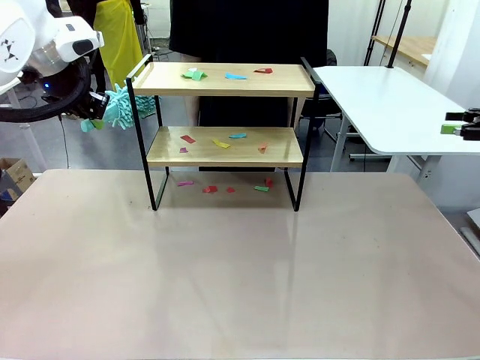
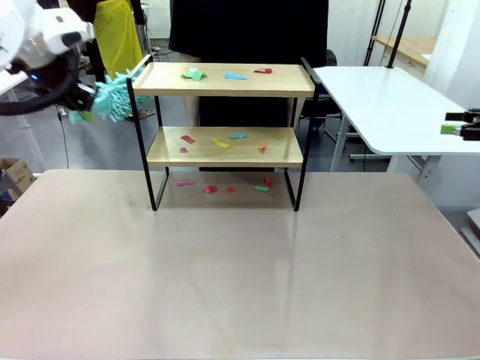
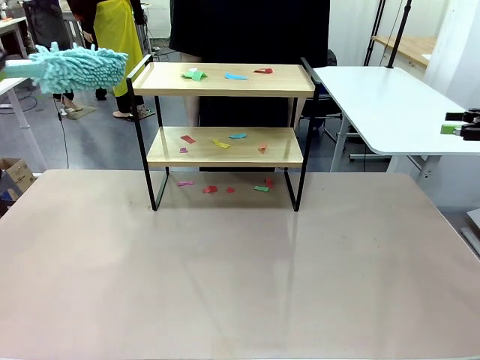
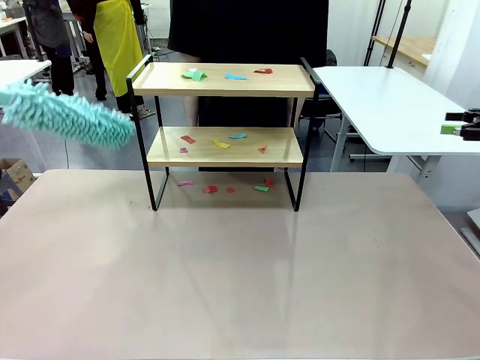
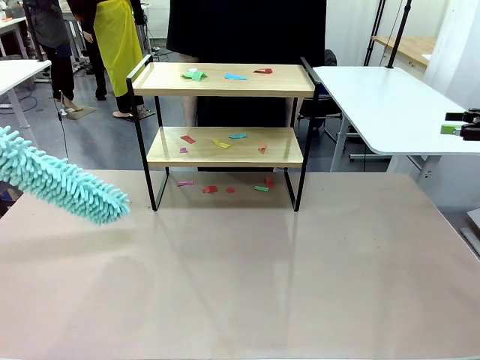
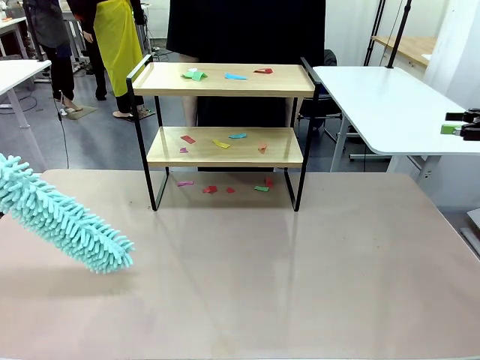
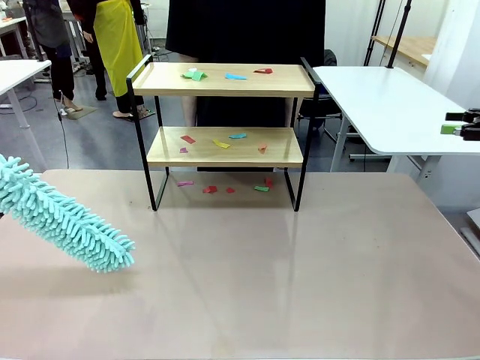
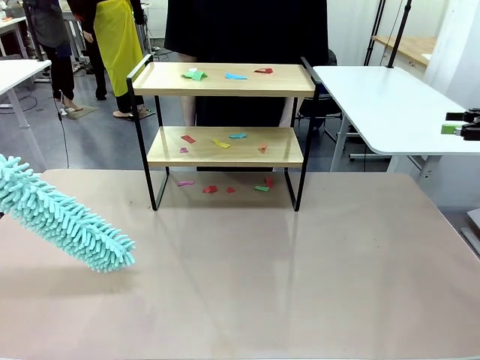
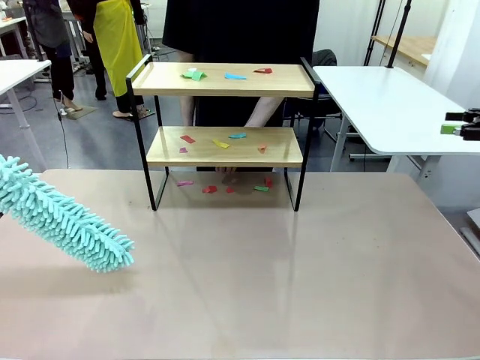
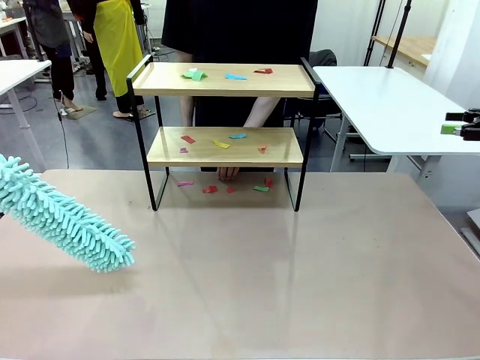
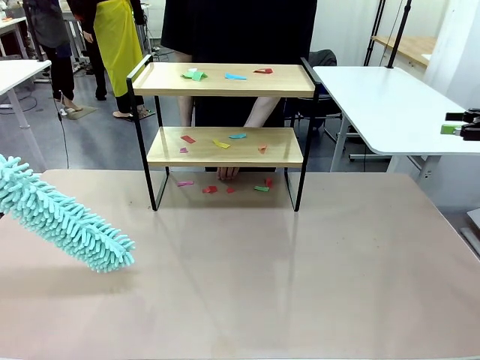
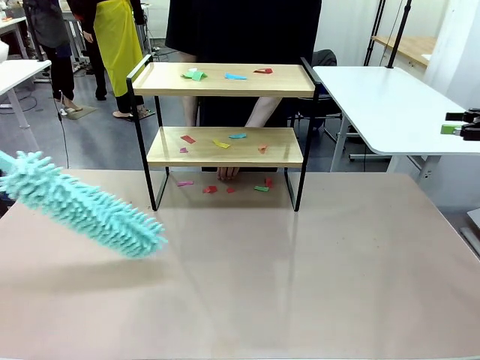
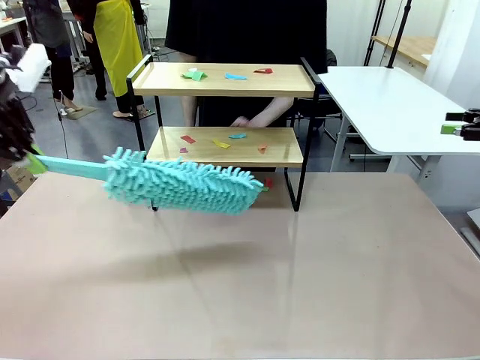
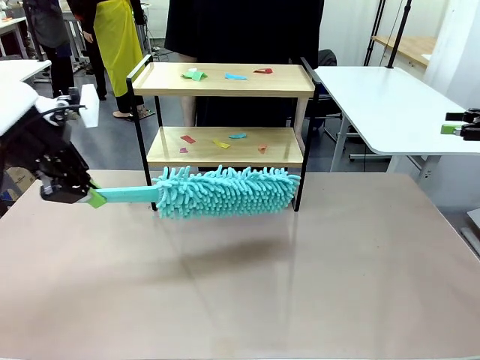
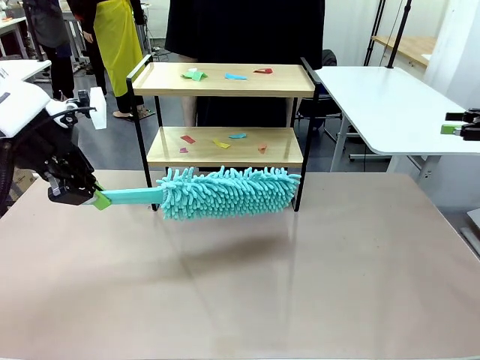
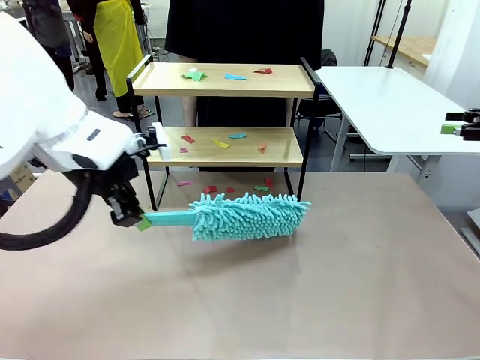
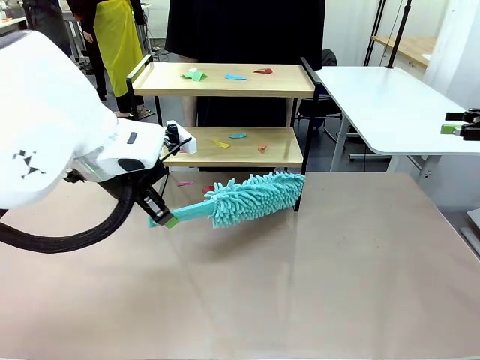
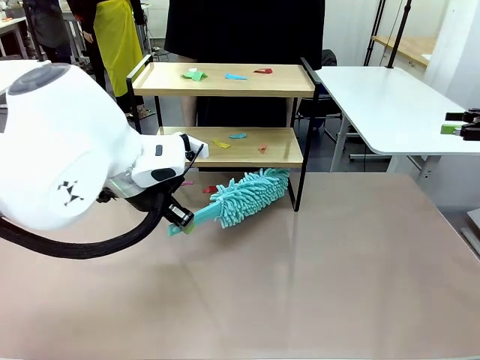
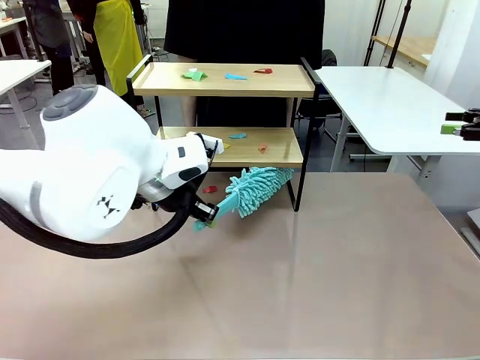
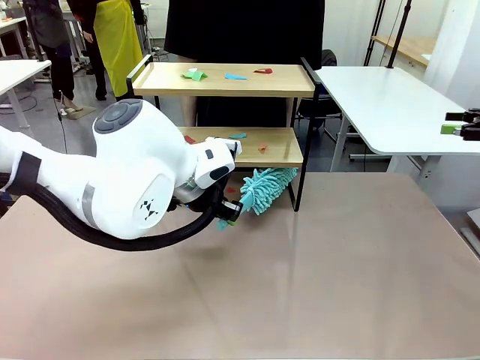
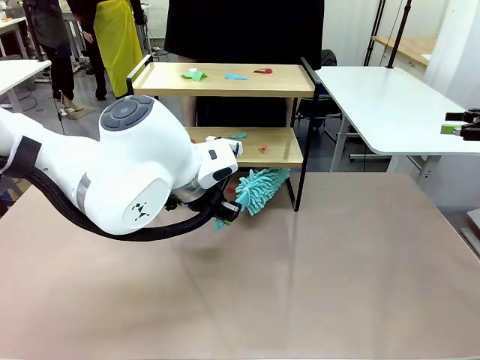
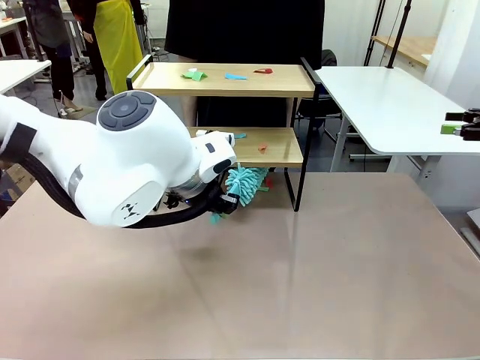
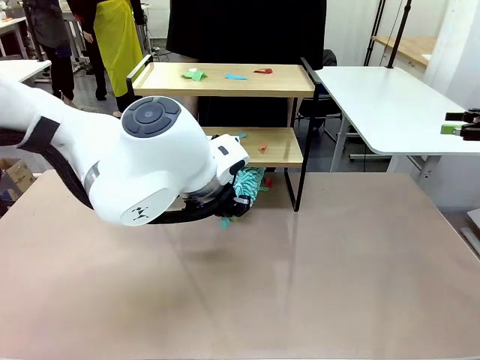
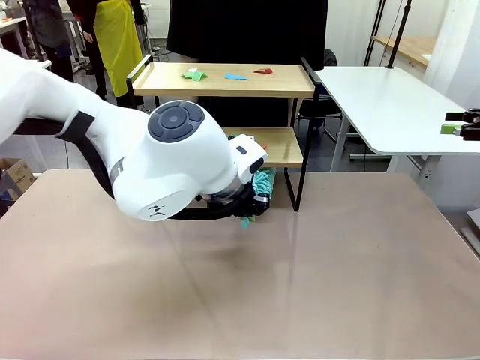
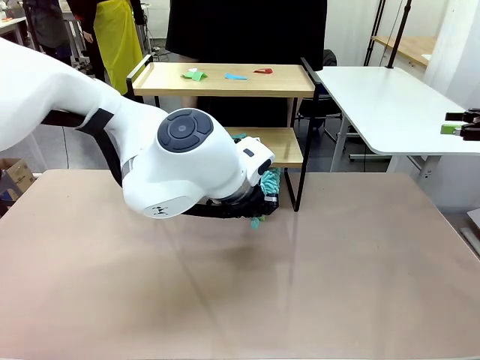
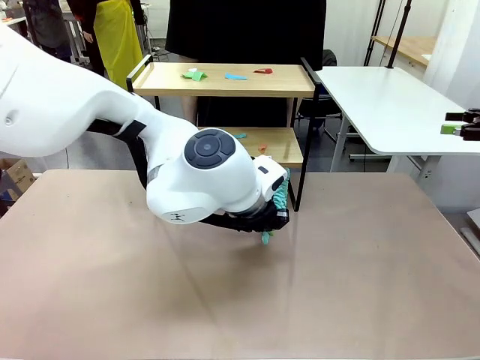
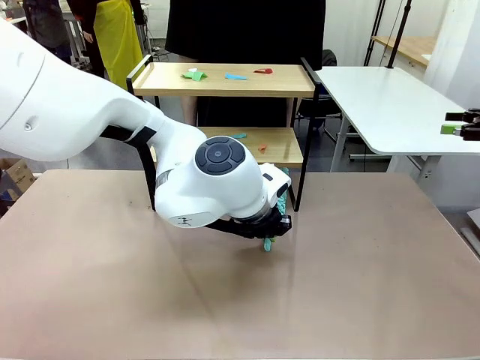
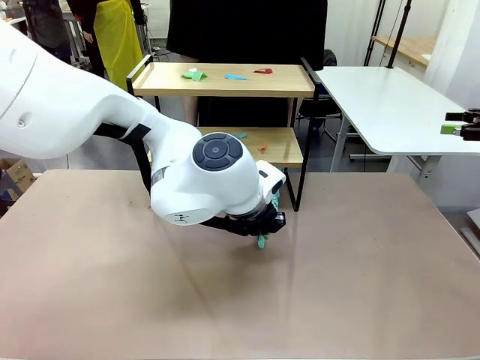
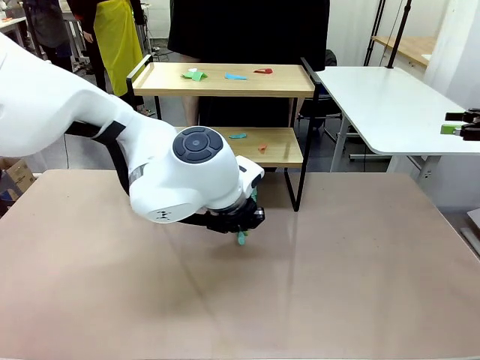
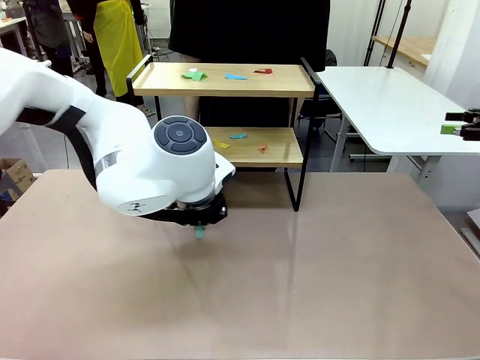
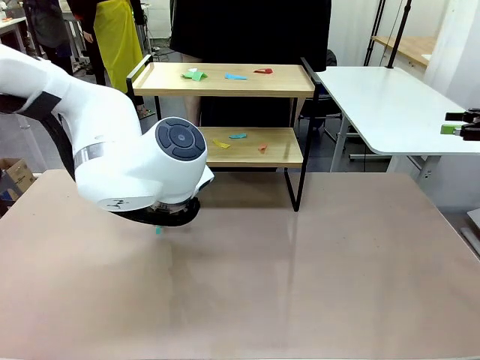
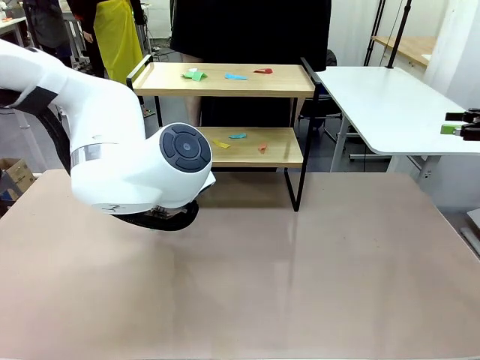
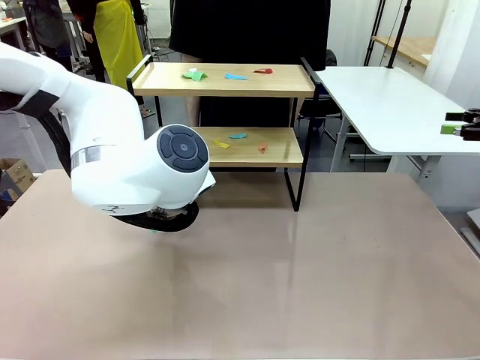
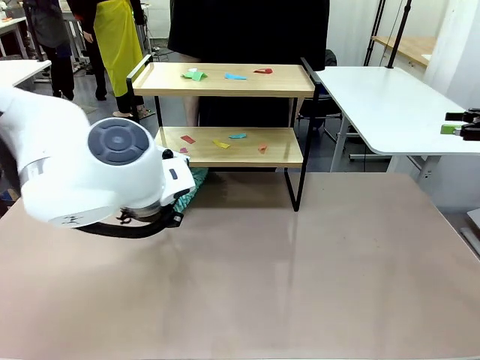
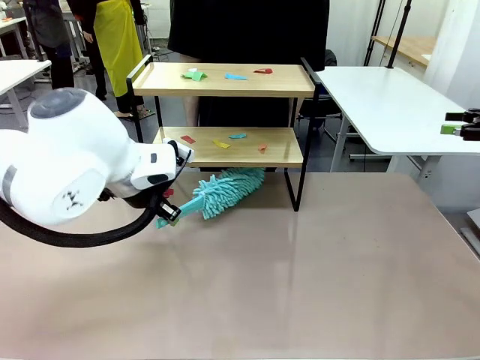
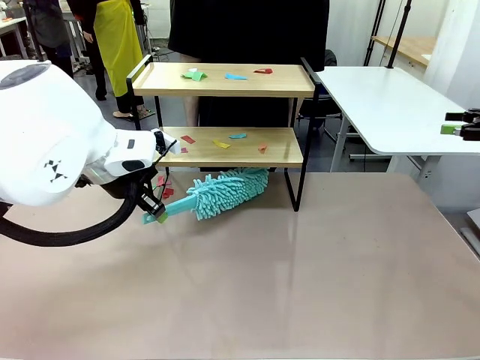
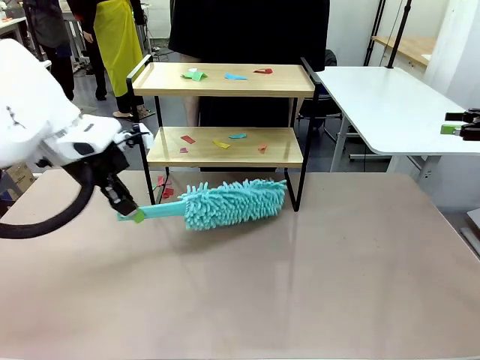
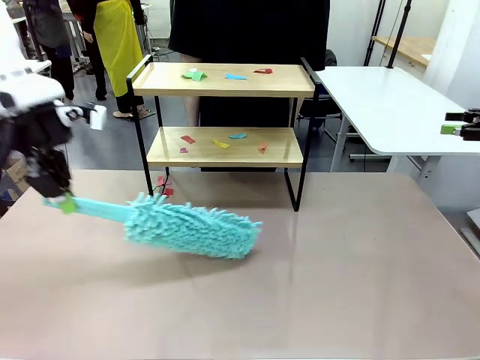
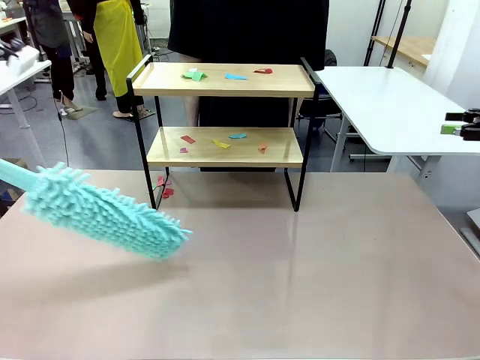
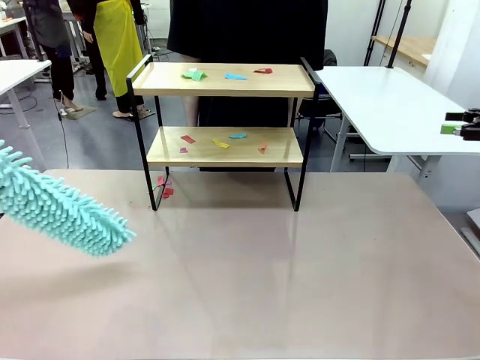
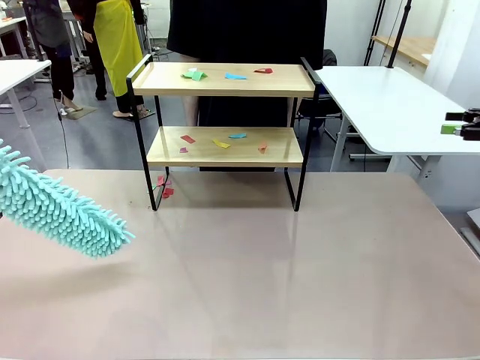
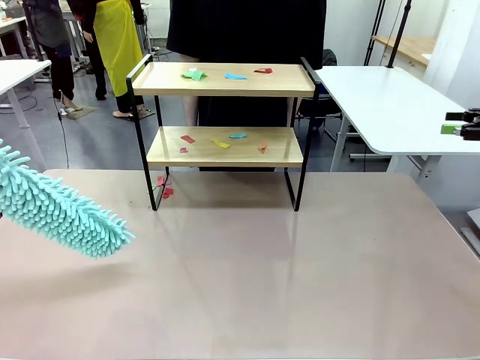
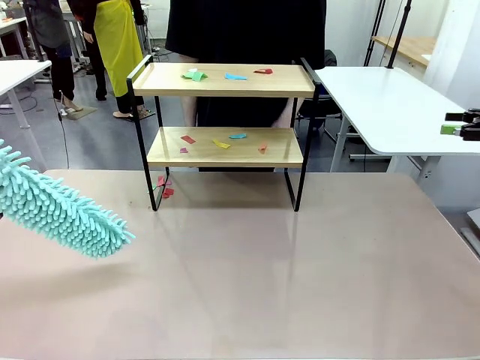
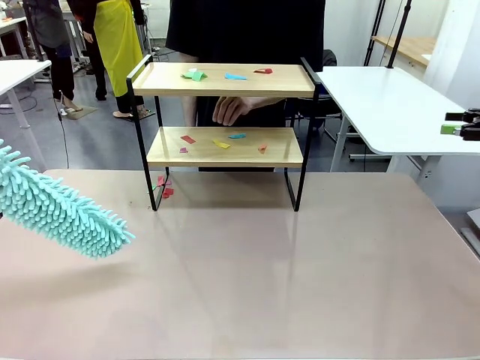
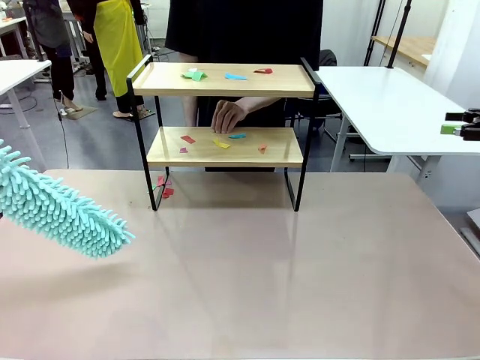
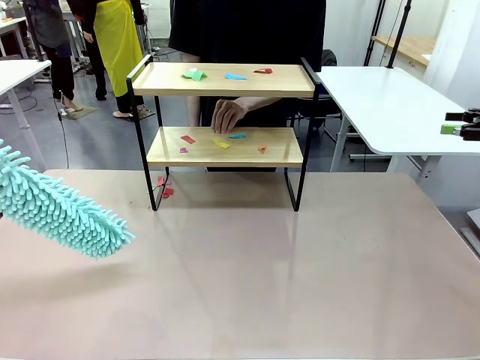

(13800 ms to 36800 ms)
Task: Clean the shelf.
Robot: Clean the specific section of the Shelf indicated by the human with the Duster.
Person: Point a random section of the Shelf.
